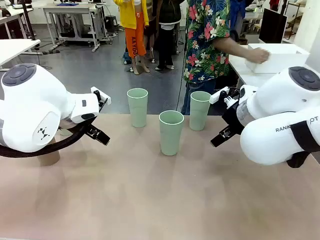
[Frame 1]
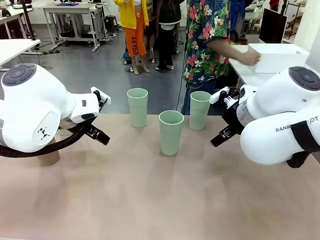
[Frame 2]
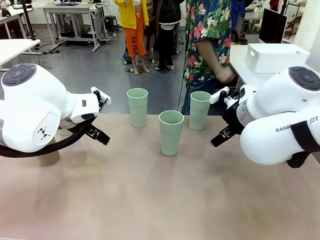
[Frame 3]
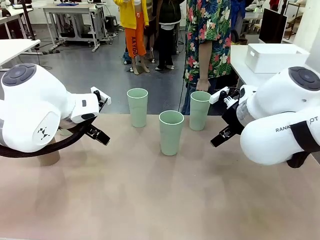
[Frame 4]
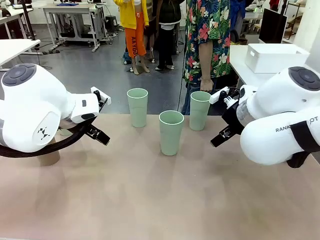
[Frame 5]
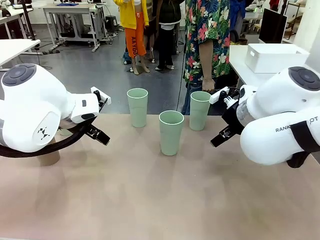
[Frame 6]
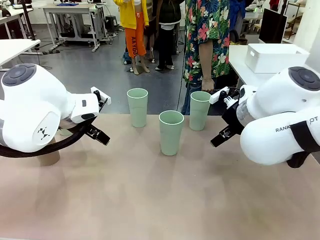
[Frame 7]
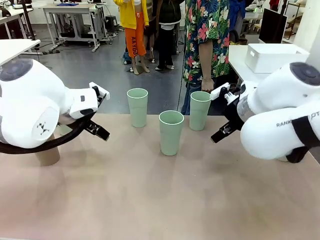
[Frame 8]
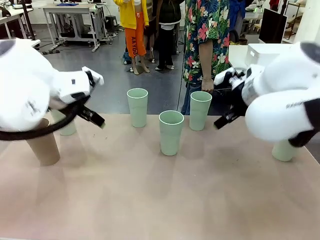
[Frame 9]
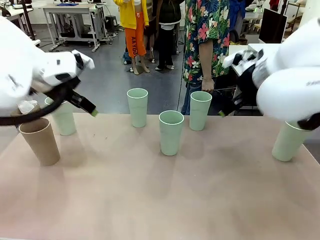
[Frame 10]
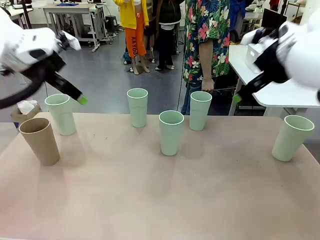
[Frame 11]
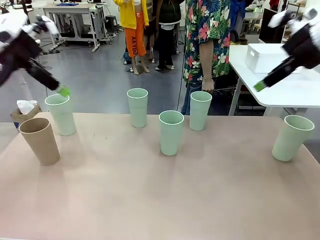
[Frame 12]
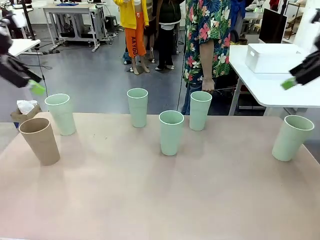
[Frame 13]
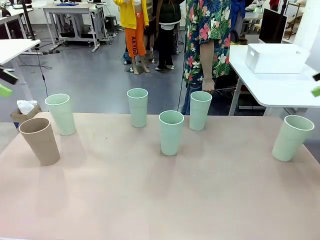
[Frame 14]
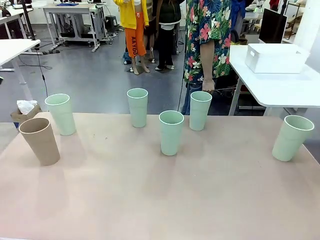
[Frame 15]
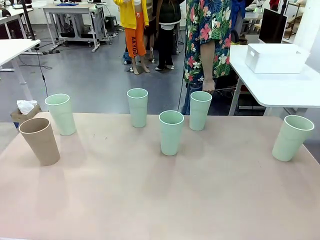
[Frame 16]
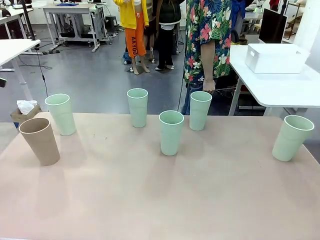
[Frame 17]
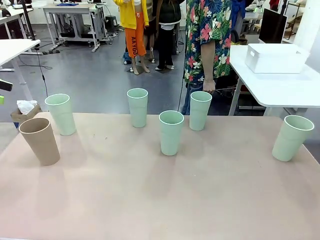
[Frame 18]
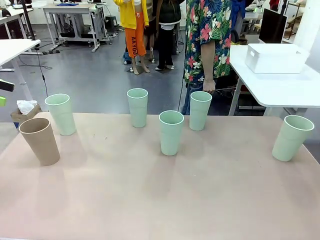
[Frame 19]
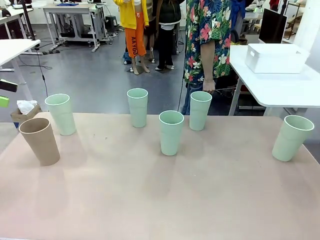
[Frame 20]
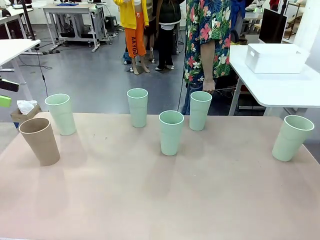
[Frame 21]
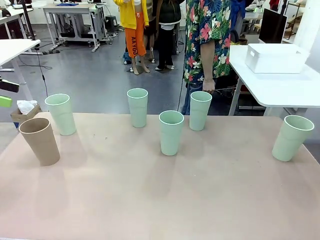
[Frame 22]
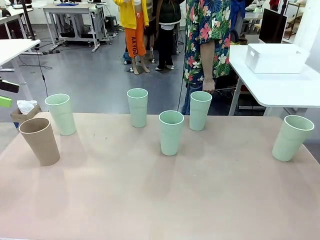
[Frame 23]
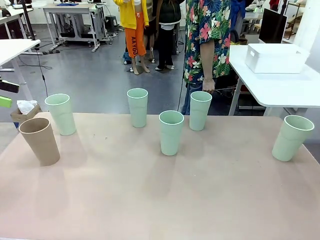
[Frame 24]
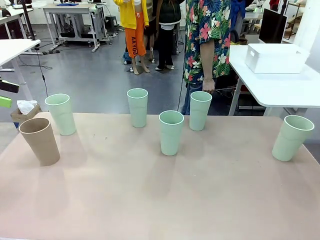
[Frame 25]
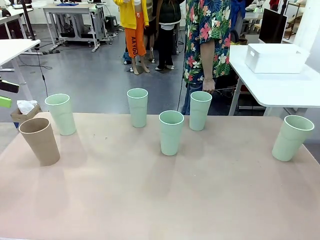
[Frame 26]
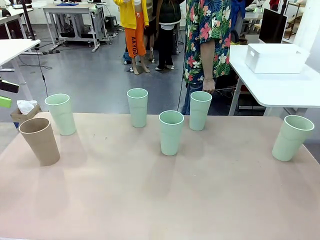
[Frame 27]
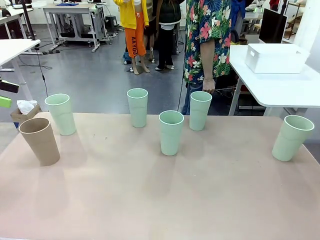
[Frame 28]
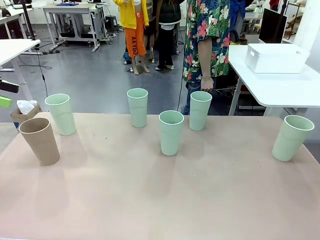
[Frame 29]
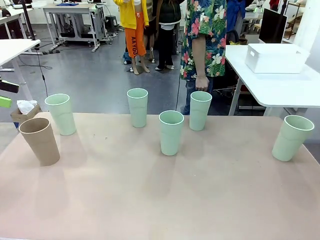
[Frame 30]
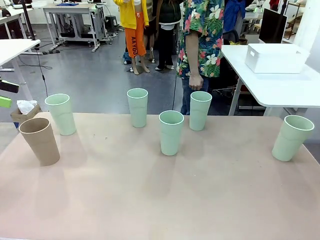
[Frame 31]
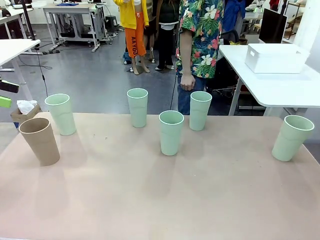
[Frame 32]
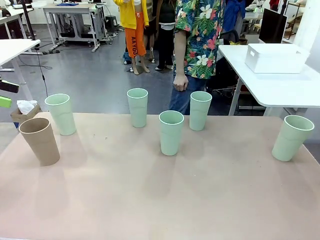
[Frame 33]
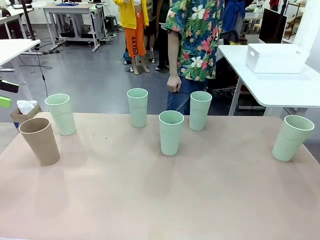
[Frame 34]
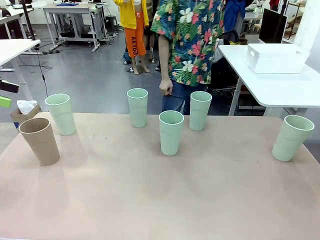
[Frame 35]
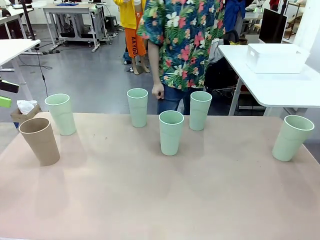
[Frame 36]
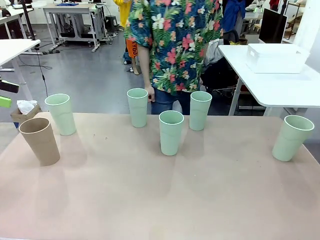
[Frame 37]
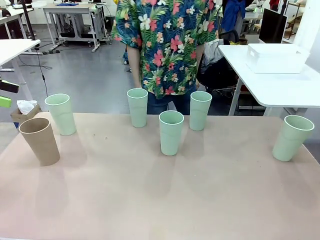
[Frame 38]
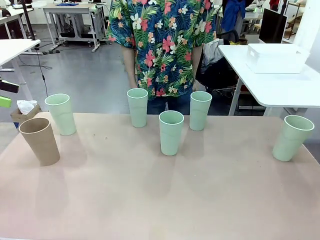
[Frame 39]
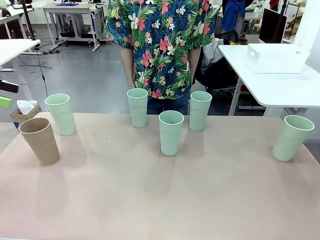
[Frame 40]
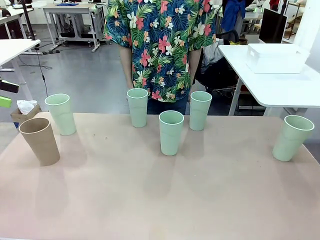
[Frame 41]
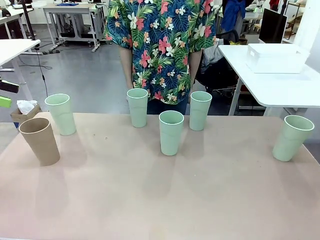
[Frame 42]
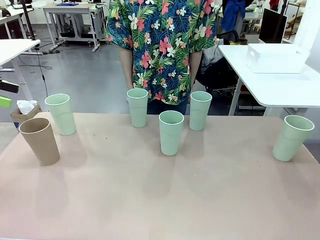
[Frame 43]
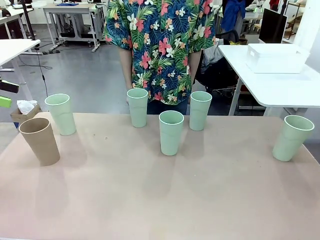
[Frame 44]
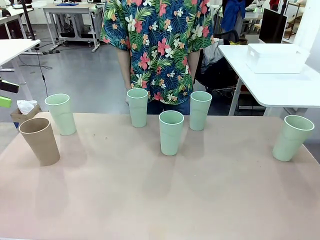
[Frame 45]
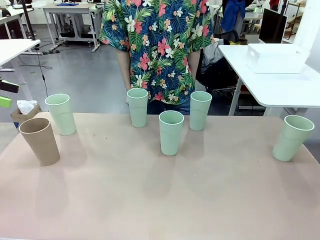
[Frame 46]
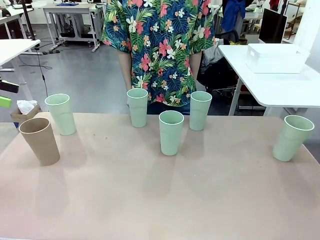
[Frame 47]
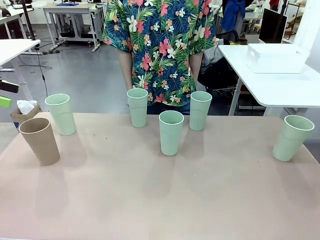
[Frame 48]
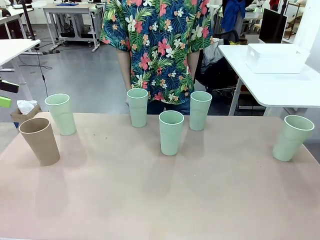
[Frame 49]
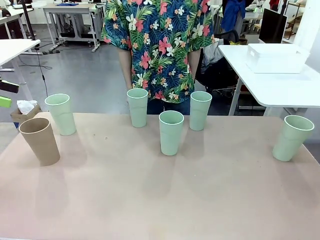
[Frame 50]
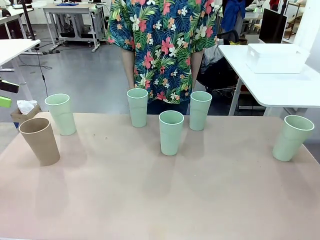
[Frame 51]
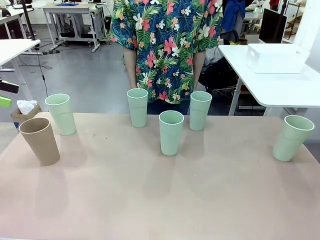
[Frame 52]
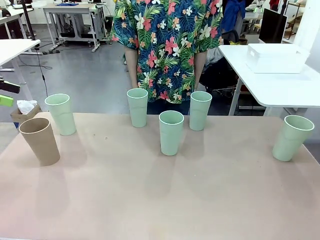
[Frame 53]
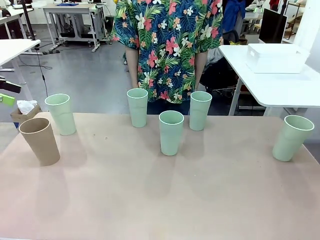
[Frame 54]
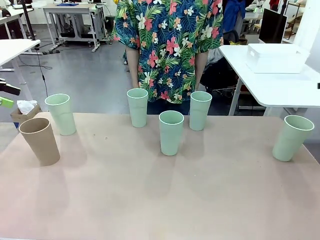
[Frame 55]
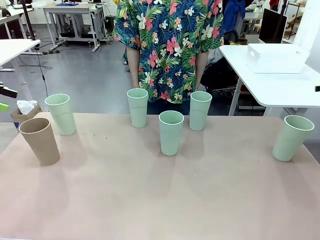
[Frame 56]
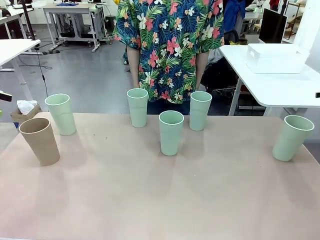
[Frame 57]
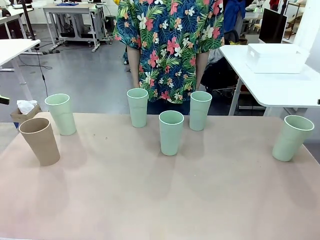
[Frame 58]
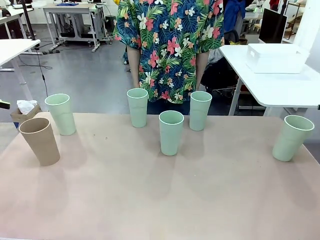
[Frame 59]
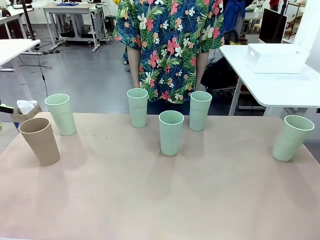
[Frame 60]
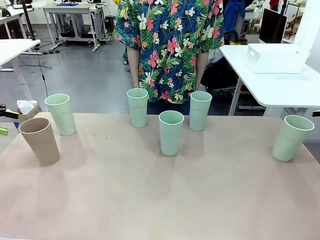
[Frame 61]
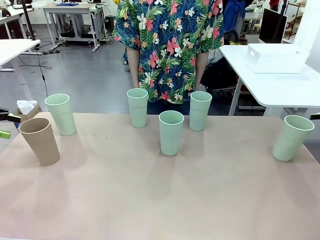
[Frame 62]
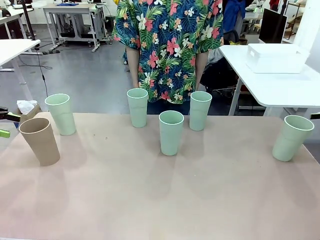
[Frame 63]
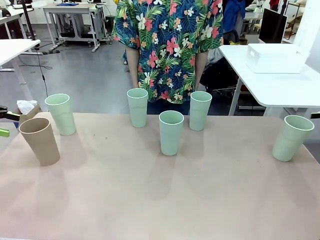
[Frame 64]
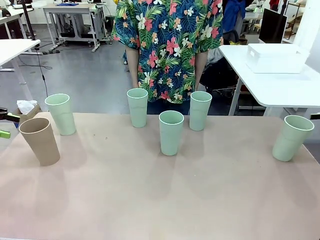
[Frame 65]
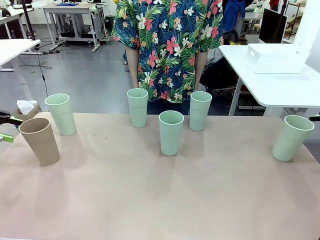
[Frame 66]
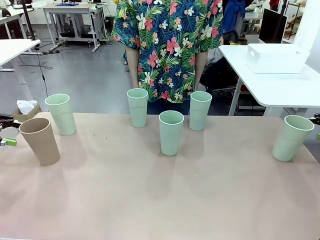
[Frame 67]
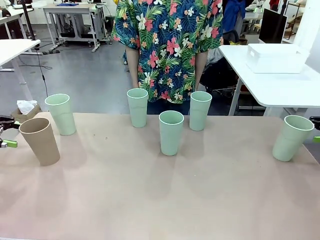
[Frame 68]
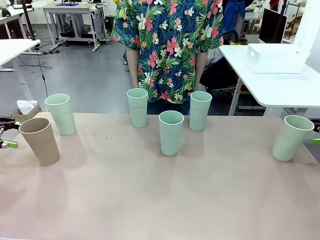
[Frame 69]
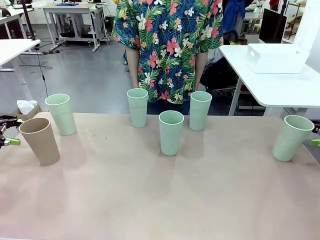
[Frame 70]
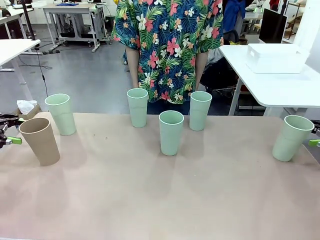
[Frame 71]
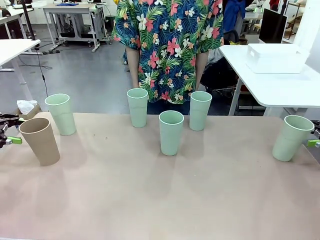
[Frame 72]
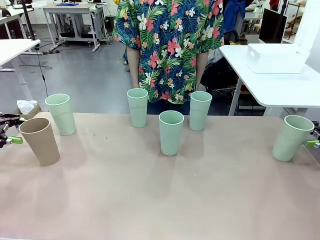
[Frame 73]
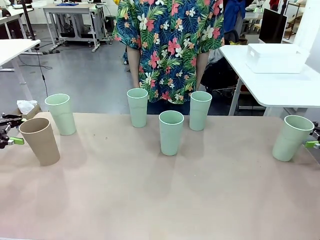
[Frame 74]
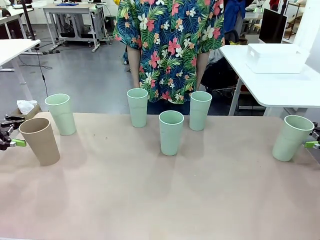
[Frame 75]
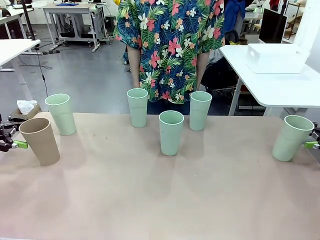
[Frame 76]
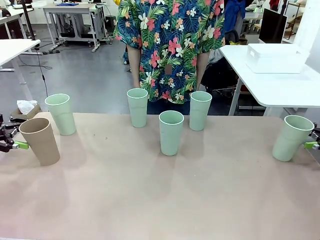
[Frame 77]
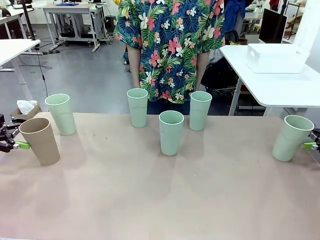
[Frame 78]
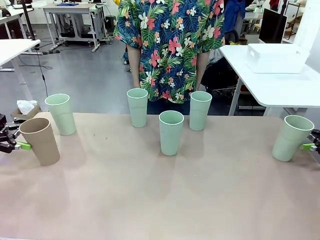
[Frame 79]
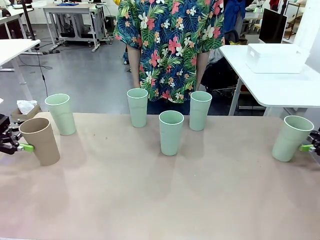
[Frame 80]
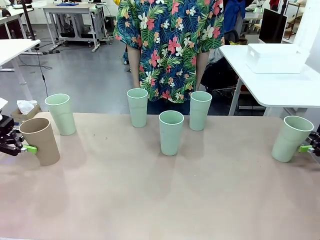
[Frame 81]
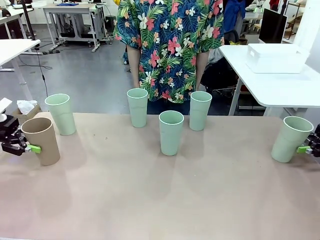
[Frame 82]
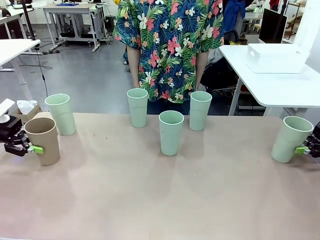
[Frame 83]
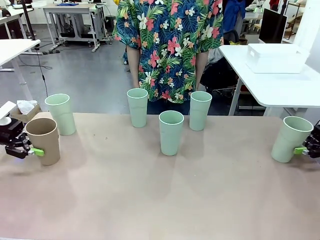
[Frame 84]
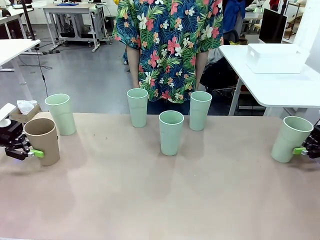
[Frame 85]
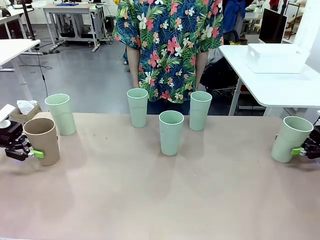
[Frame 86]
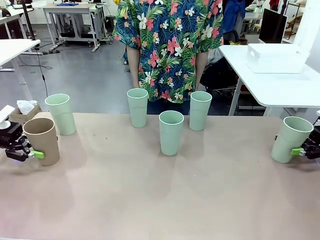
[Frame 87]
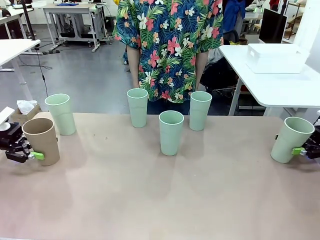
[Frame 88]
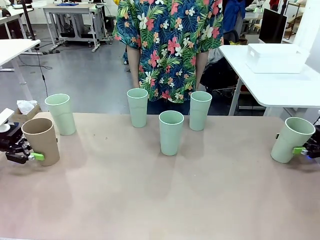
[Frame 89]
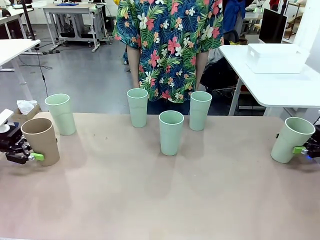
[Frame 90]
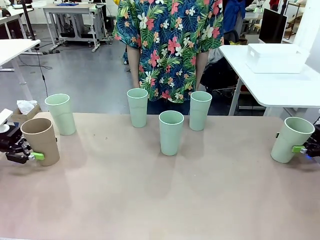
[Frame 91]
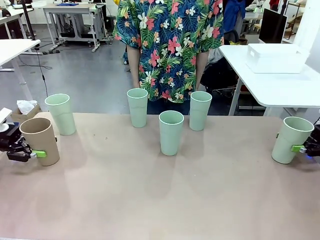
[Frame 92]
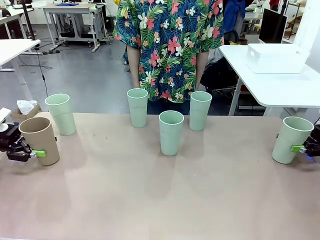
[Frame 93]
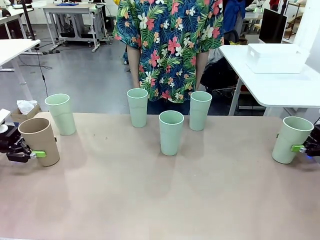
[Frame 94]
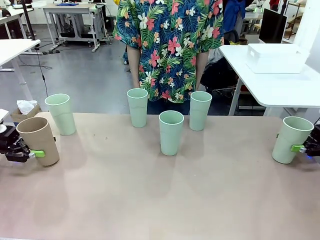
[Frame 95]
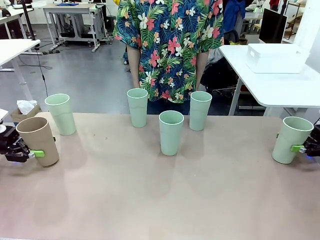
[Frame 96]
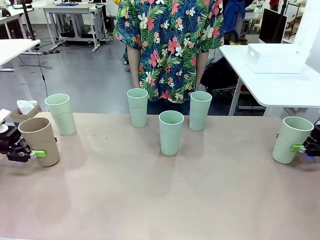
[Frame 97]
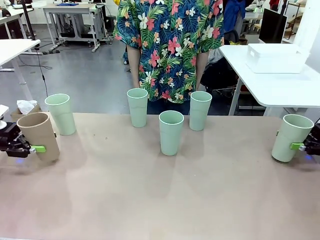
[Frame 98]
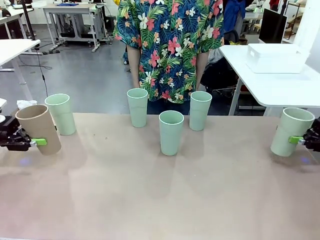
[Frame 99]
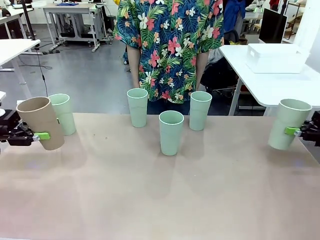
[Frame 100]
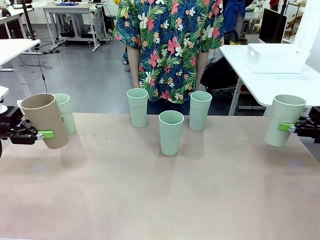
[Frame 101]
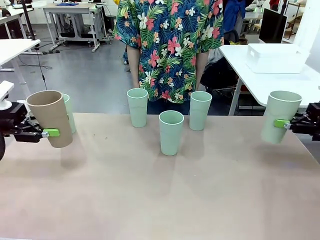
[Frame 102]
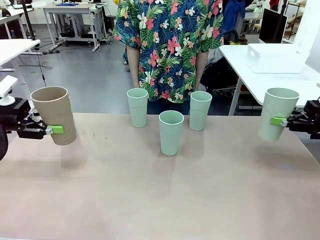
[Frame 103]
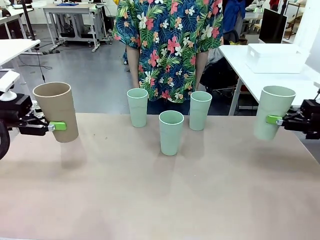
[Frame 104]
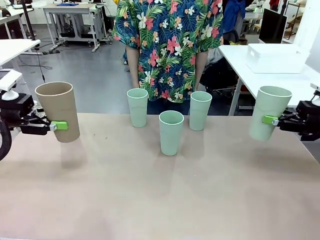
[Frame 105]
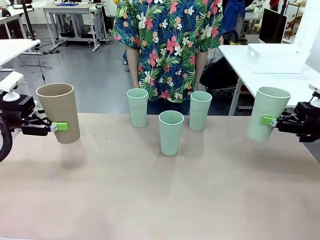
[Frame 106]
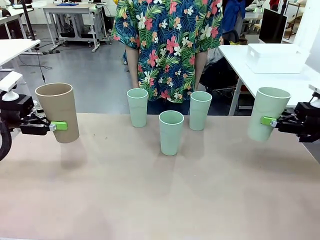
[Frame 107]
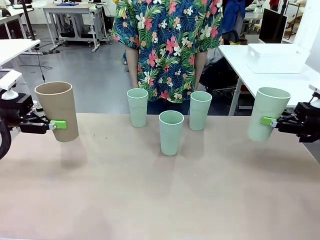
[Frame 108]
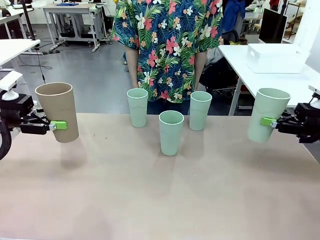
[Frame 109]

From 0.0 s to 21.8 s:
Task: Stack the cups and store them in the basket.
Robot: Pick up two Reusable plastic cups , one in each hand.
Person: Move from the Human Table to the front of the Robot Table. Stack two of the remaining cups on top of each cup held by the robot.
